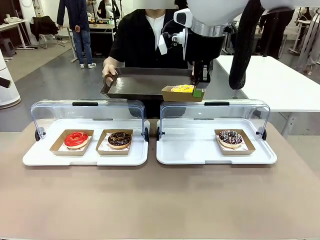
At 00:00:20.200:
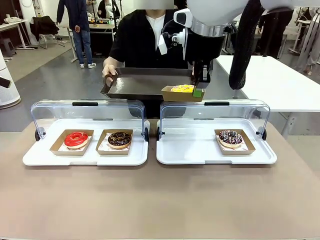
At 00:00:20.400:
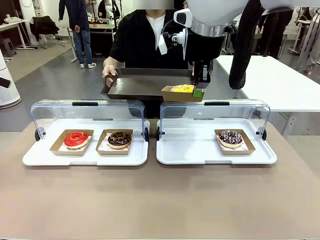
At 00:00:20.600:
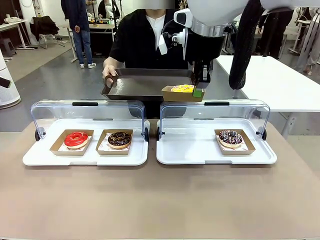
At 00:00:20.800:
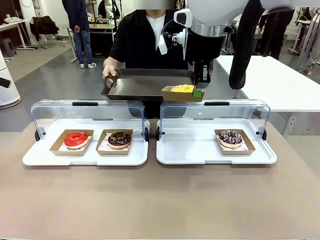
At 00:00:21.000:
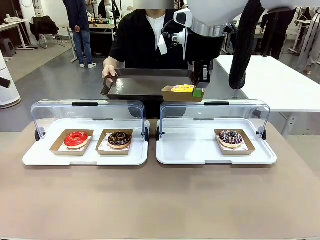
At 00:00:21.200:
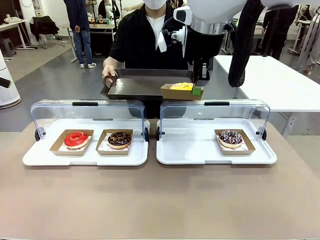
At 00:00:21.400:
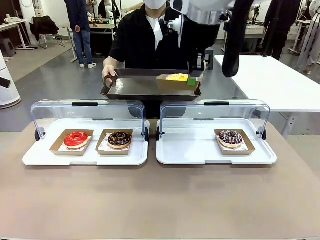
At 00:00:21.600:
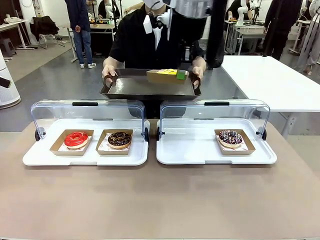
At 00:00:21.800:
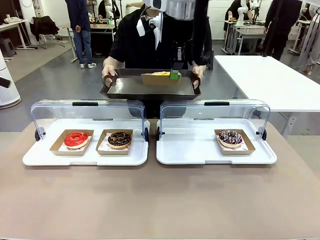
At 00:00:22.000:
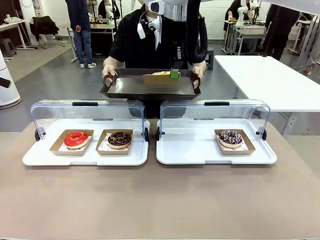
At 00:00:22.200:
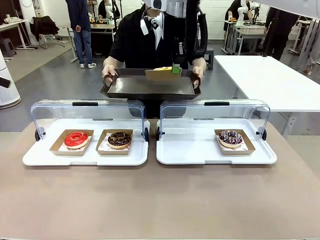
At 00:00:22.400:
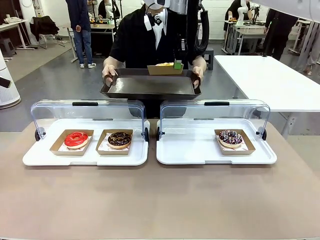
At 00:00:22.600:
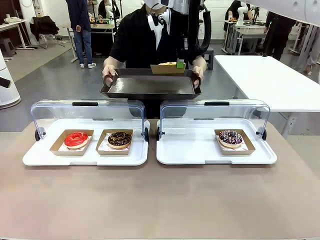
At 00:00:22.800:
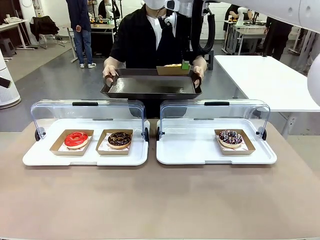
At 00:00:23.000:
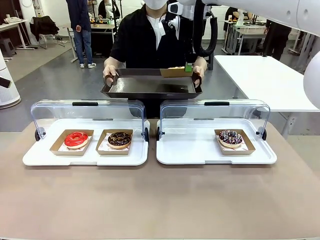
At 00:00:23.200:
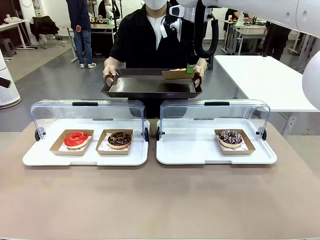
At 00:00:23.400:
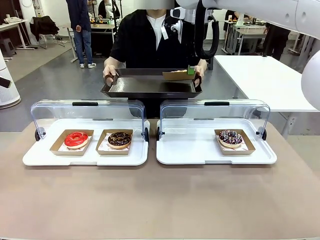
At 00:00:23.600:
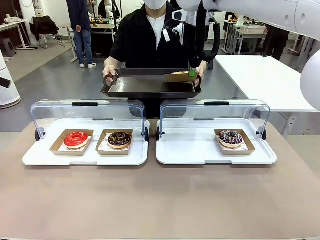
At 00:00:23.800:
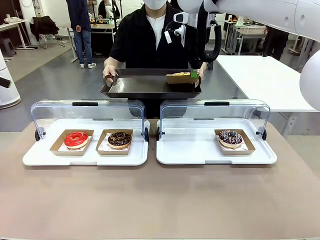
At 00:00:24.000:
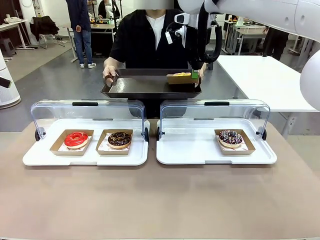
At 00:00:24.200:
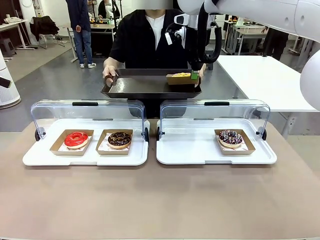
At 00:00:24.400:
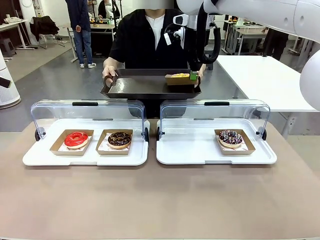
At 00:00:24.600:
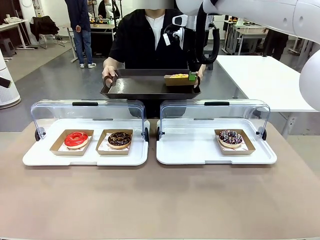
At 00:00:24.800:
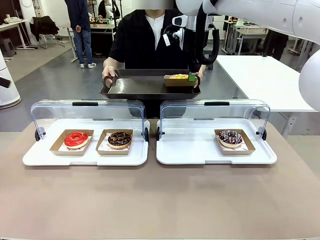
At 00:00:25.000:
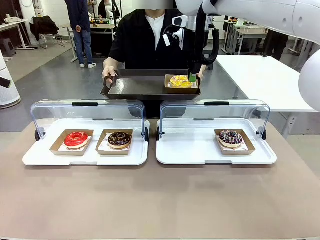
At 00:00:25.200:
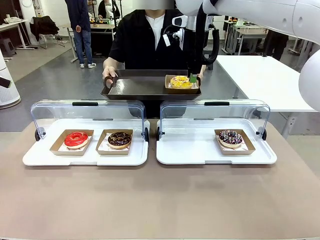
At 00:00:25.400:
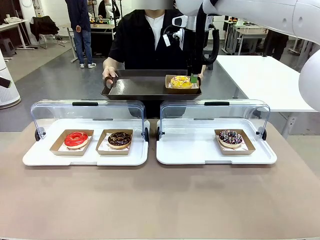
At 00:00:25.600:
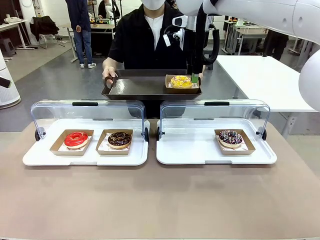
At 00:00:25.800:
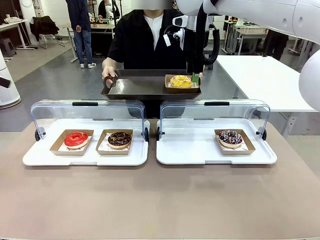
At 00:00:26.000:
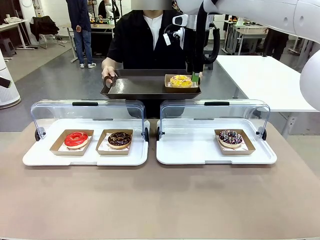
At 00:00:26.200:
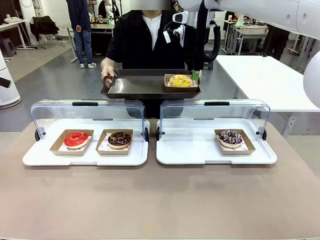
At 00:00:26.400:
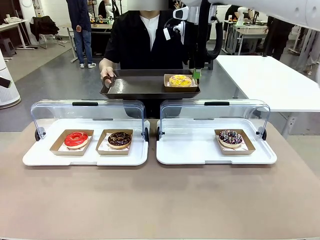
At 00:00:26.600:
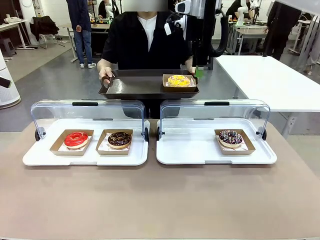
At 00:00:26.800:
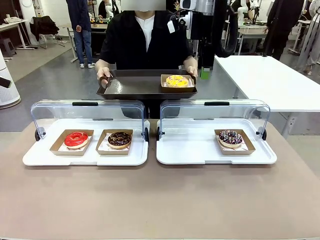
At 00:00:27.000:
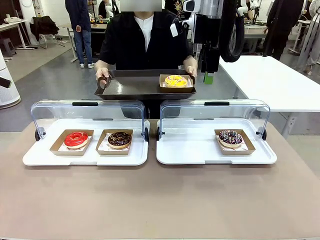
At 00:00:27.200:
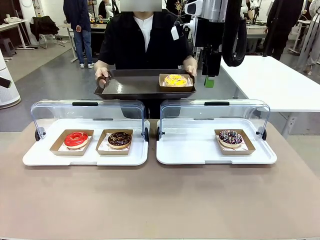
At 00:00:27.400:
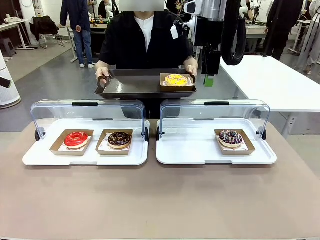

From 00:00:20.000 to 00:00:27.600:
Task: Provide the desired donut to the person.
Robot: Place the picked Paper togo box onto the Handle tray extended by the person.

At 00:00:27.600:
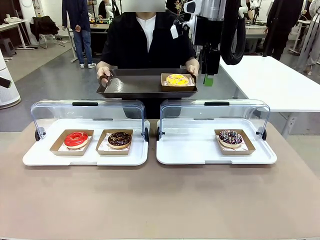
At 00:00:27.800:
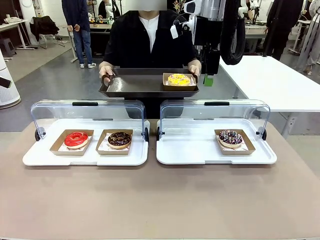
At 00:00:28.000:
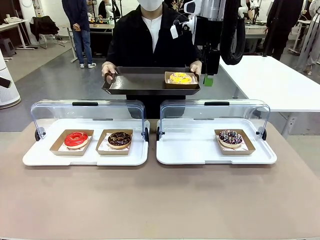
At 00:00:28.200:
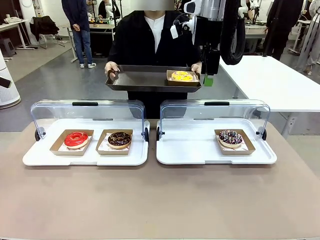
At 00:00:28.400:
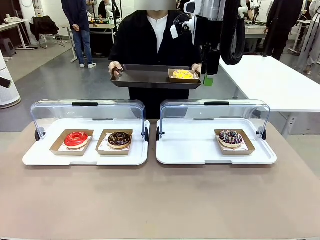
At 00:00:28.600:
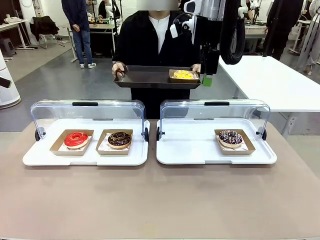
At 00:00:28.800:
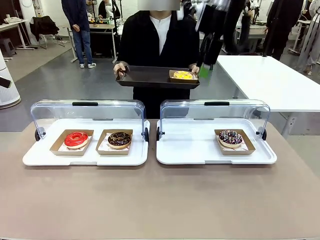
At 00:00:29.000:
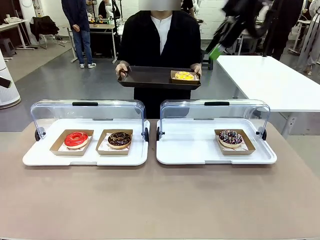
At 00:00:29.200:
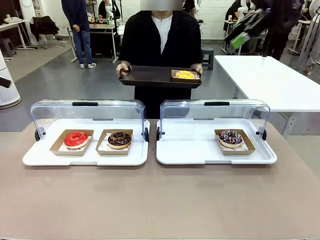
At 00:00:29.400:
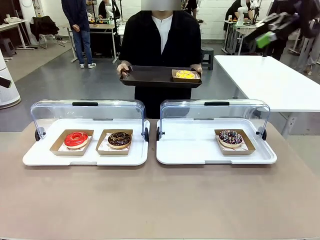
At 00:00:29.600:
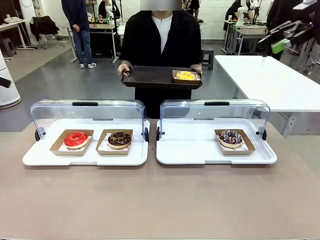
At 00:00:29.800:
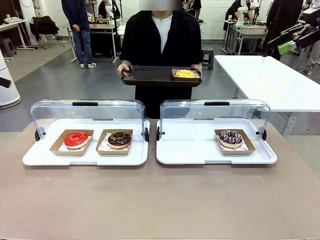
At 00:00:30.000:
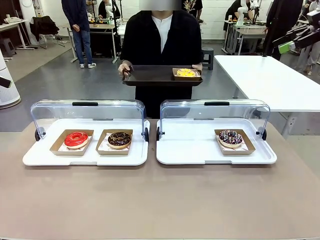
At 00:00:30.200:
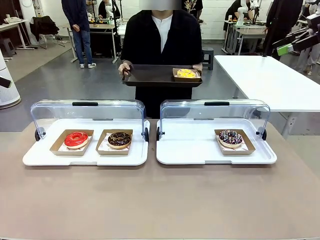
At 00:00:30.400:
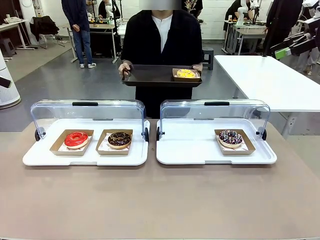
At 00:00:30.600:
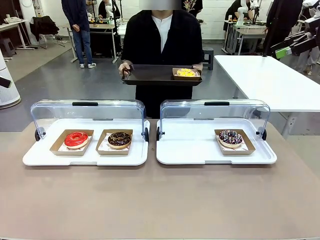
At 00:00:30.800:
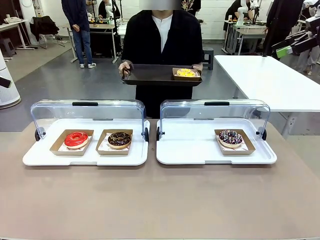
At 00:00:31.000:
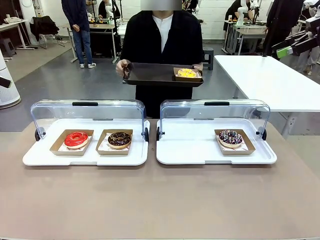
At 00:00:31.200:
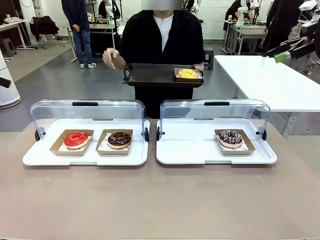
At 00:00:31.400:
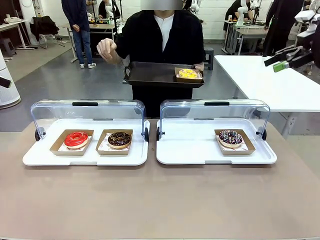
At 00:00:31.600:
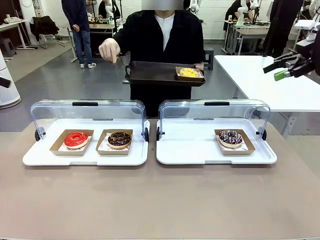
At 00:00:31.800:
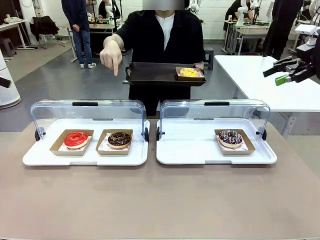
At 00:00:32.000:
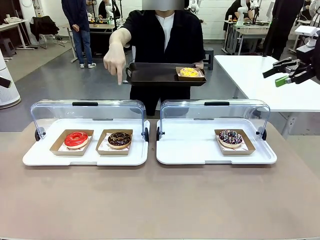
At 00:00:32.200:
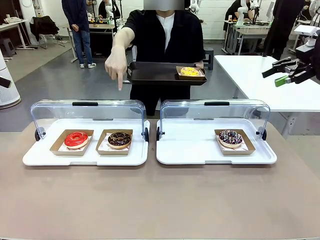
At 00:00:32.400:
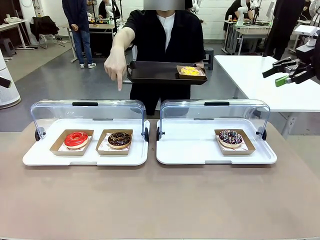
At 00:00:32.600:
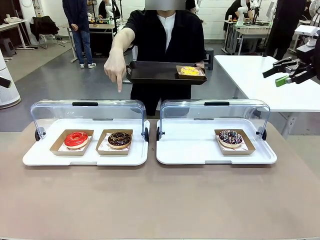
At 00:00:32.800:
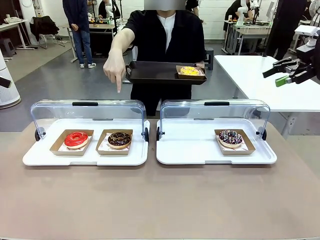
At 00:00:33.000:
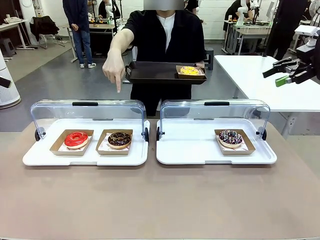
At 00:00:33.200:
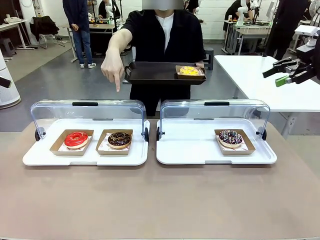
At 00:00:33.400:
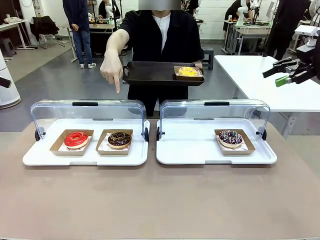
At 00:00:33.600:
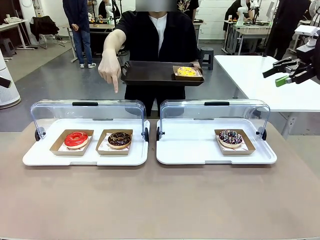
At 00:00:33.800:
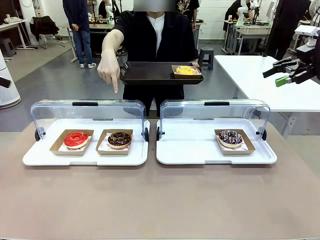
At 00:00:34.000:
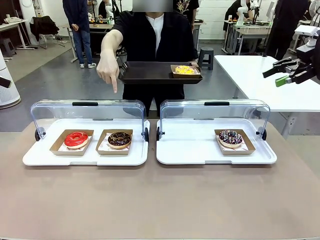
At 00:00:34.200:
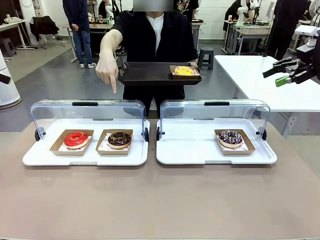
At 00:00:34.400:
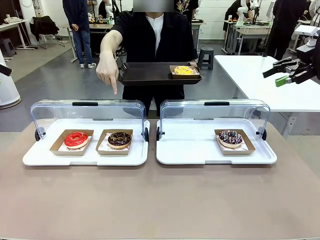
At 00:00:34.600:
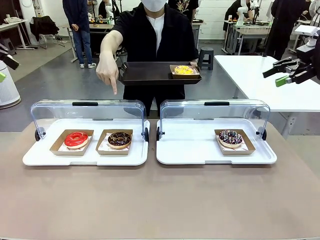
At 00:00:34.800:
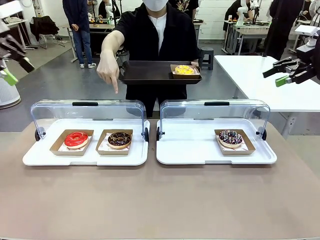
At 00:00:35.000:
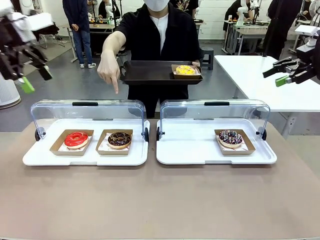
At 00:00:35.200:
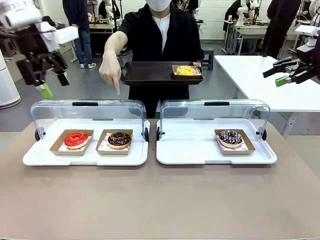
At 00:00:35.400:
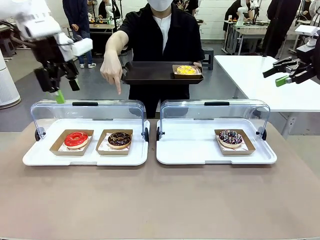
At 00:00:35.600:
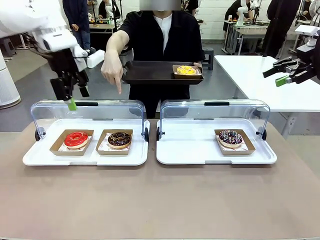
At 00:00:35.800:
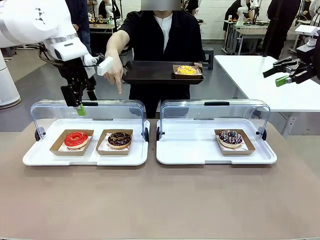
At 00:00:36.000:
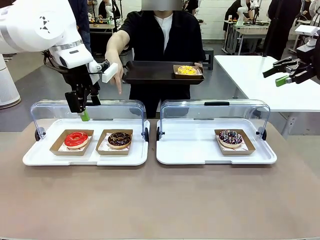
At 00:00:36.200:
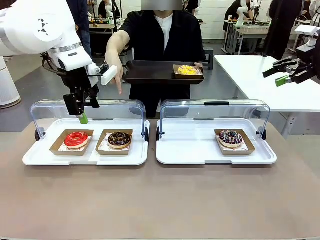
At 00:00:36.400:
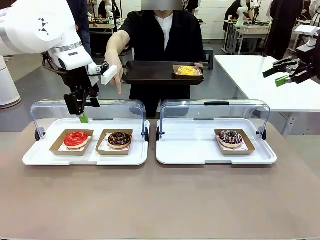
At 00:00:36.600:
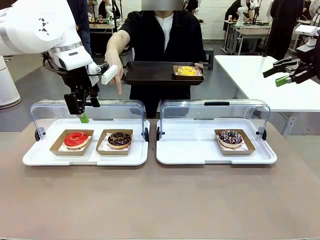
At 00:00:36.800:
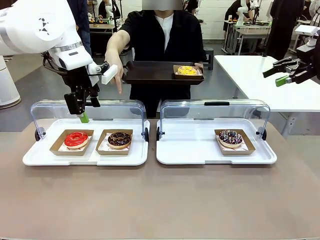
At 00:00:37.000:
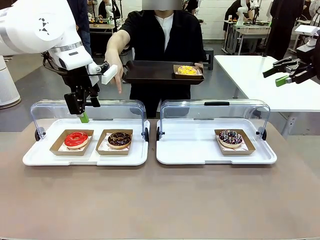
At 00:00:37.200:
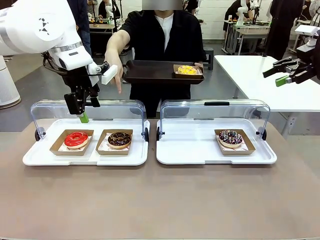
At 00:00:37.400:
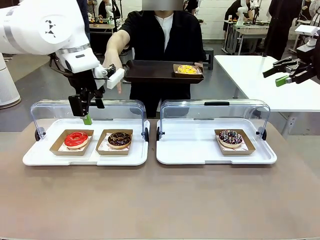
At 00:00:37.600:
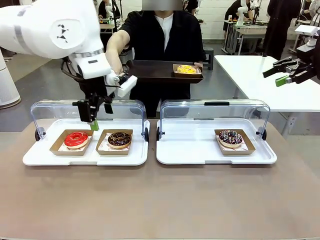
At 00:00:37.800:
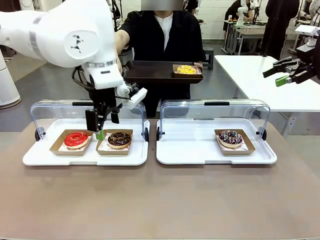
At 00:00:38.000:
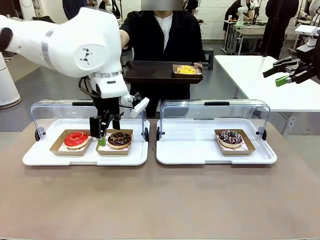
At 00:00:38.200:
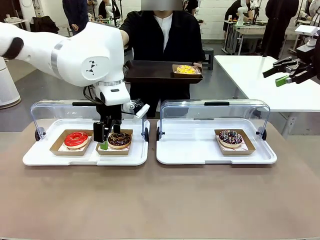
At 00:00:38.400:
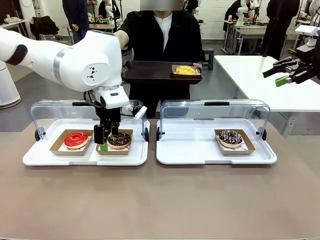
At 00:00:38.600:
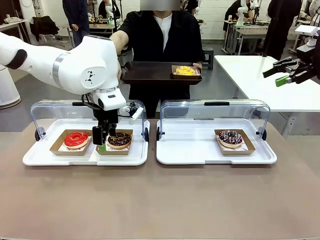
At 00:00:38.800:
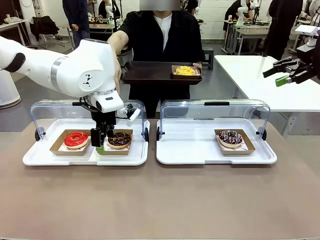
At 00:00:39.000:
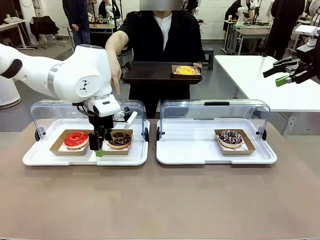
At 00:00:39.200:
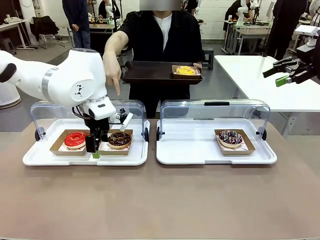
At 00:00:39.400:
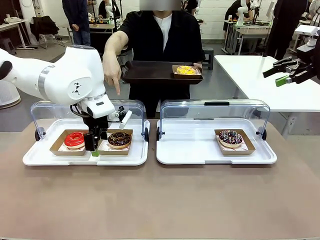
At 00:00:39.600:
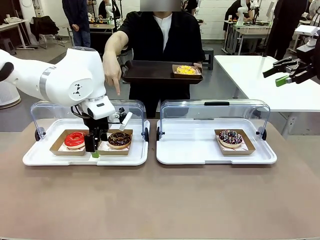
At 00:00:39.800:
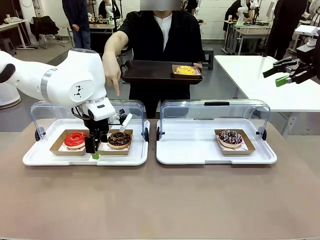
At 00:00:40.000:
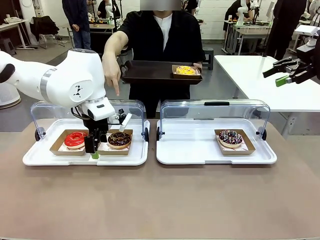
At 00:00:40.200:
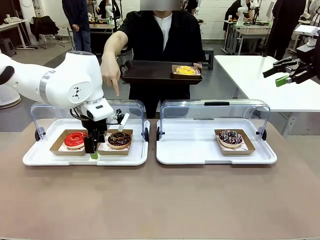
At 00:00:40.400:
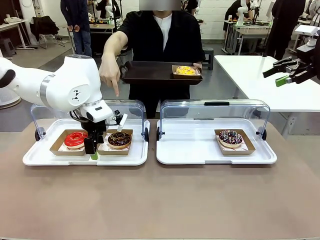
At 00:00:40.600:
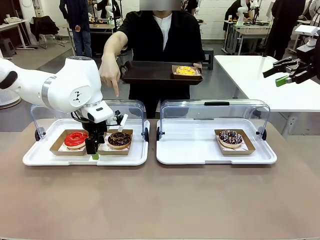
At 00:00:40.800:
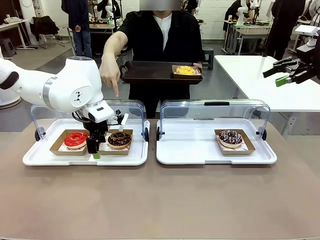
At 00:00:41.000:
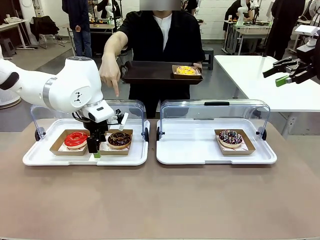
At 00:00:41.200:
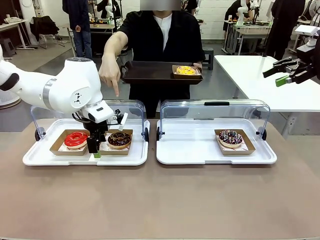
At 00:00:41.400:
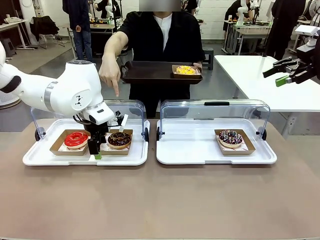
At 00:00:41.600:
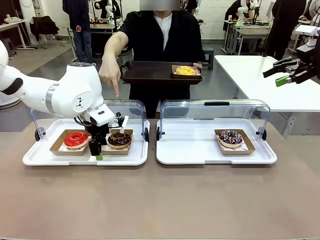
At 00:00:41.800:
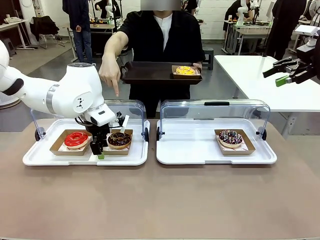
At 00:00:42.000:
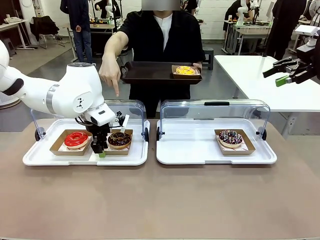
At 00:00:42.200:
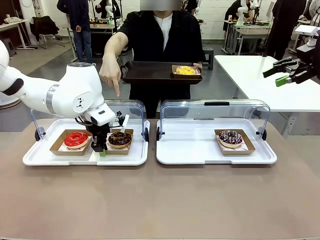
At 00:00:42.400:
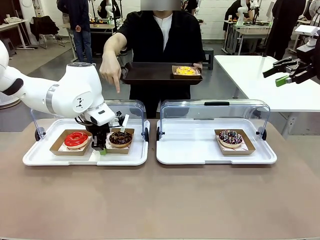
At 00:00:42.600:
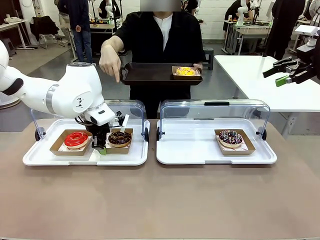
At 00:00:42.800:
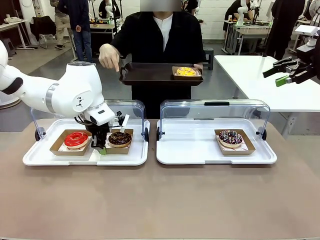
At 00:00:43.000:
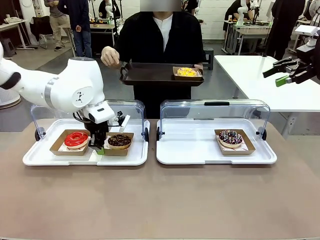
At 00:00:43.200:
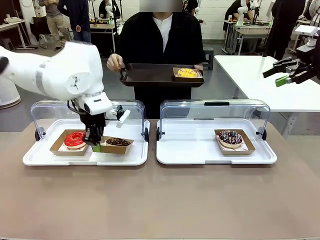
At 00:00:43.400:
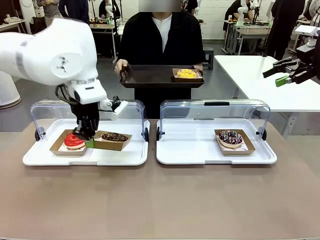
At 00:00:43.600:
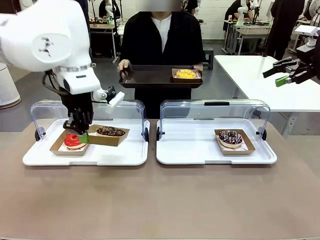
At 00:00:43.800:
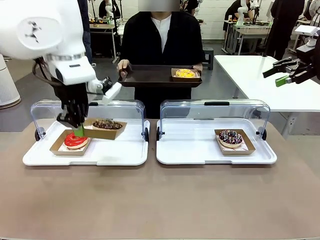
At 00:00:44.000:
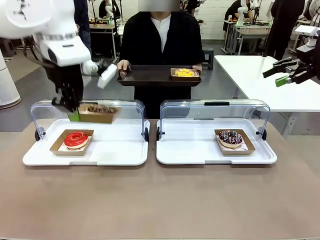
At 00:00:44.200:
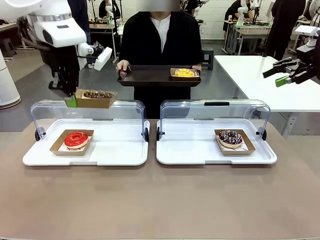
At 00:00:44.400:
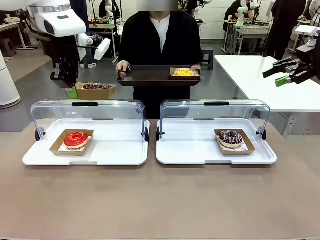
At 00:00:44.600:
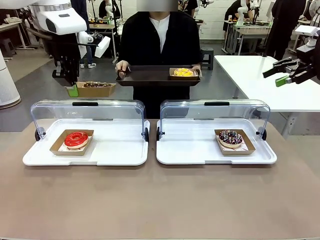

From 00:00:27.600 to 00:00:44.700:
Robot: Pick up and lift the Paper togo box containing the Donut pointed at by the person.
Person: Point to one donut. Lift the tray onto the Roll-Top Bakery Case.
